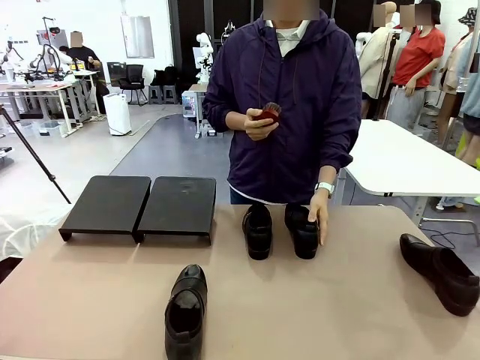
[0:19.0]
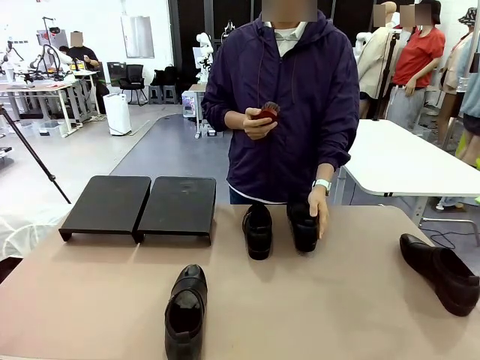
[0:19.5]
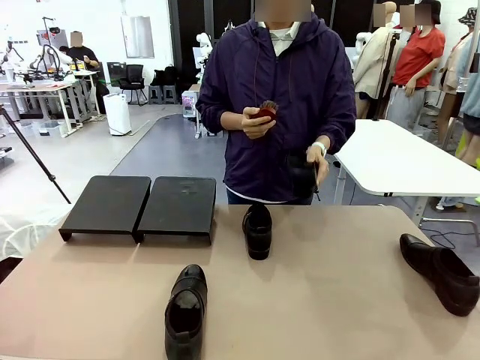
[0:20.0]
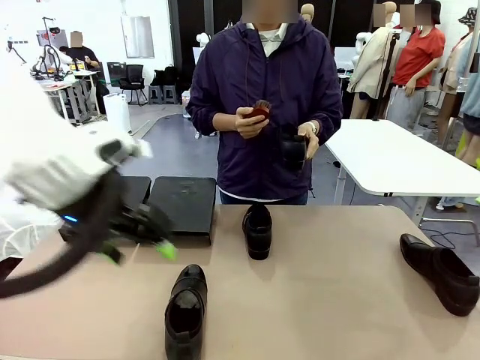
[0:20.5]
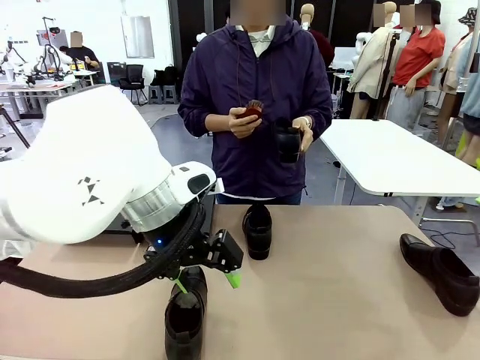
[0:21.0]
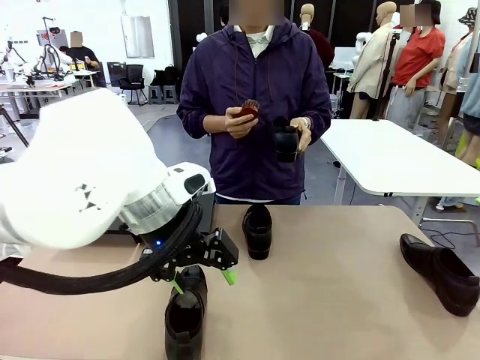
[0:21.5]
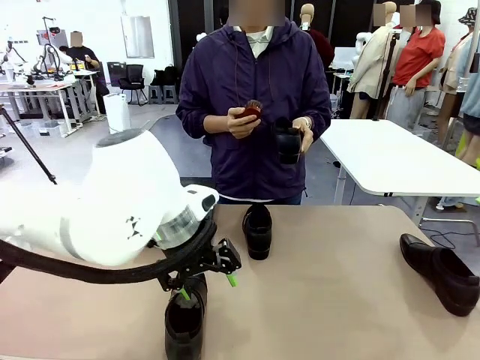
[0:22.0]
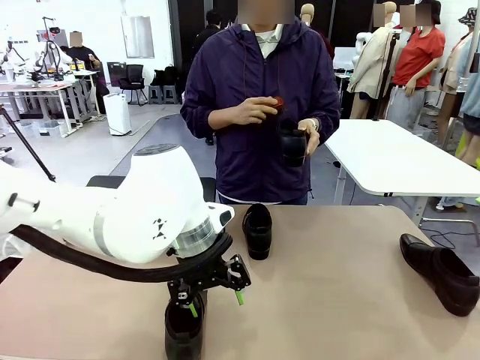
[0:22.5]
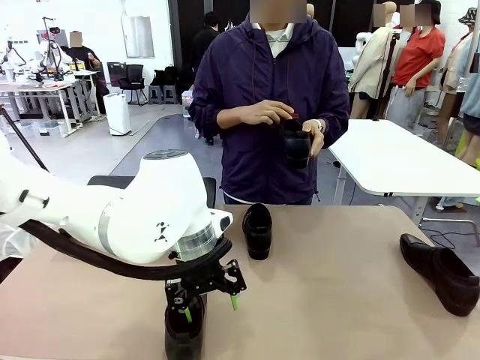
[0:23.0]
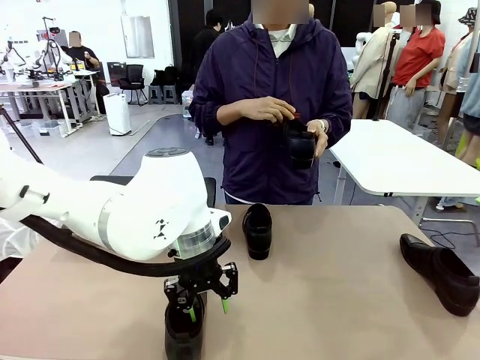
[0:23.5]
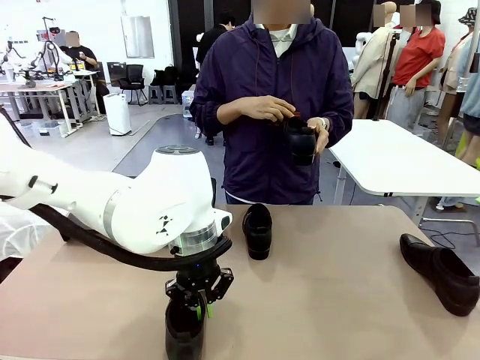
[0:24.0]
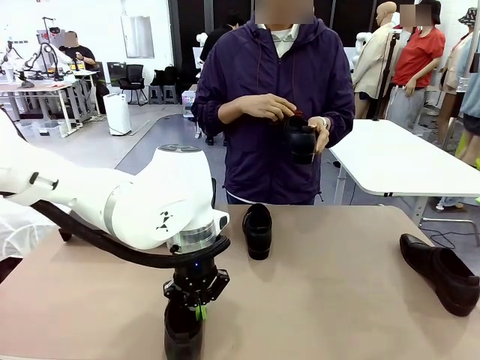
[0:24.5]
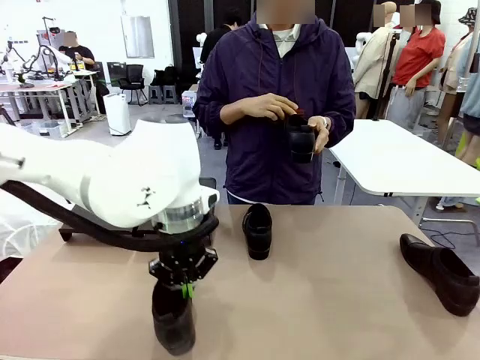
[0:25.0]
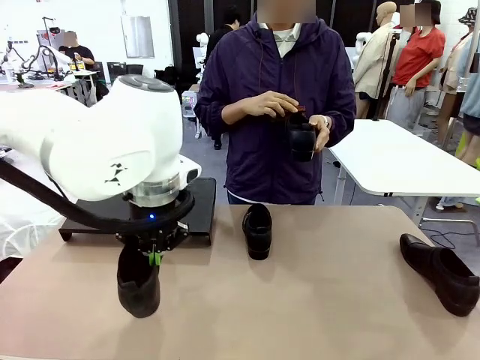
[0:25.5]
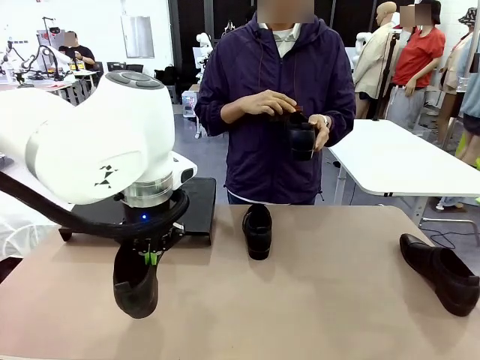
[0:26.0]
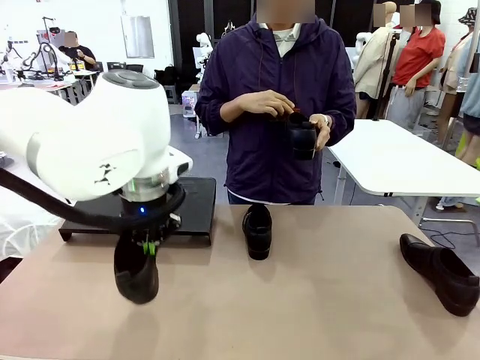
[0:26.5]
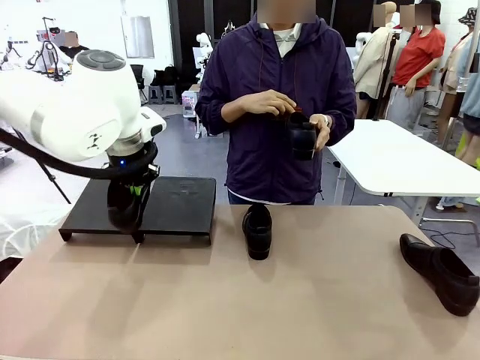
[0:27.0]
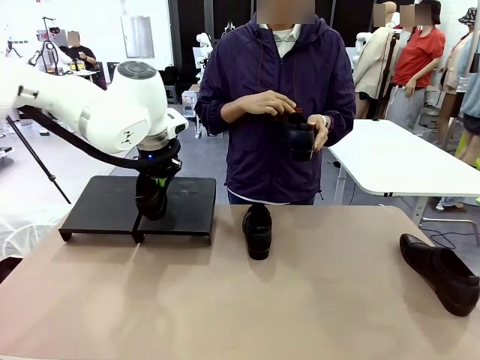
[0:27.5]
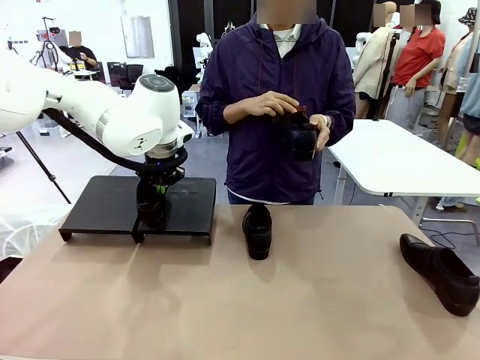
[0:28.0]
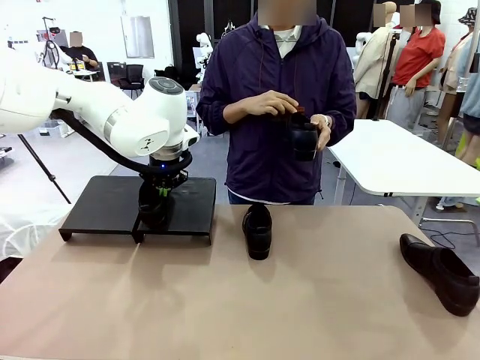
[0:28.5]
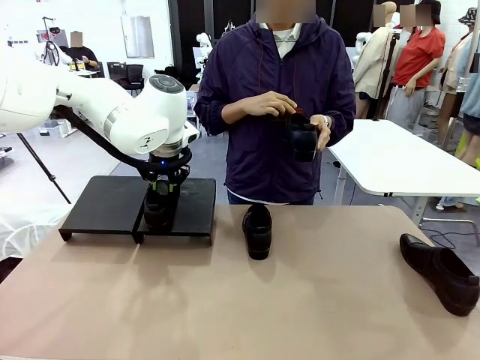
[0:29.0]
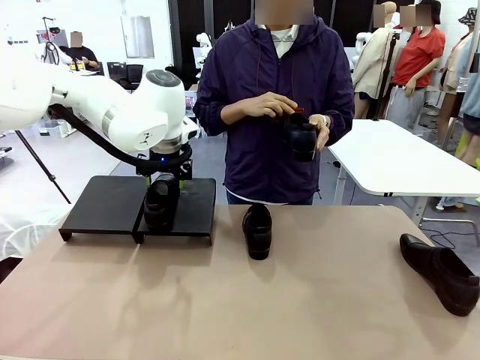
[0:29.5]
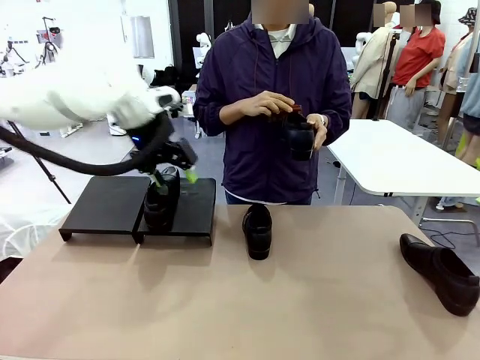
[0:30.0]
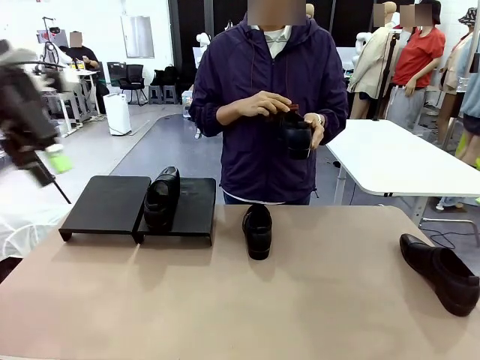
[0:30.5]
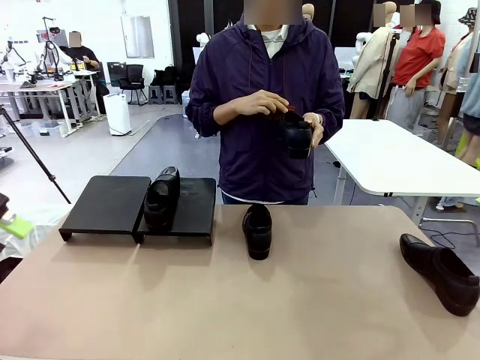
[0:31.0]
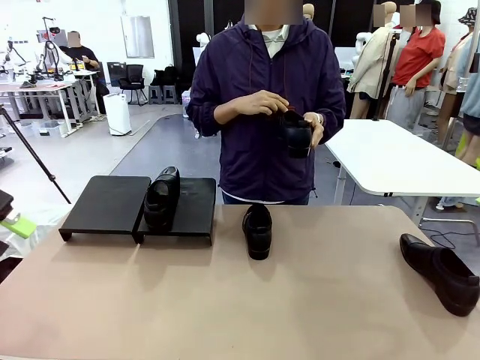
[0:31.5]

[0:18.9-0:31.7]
Task: Organize the shoes by placing them on the stand.
Robot: Place the Shoe from the middle of the table onto the Shoes Stand.
Person: Clean the Shoe with the Shoe Brush.

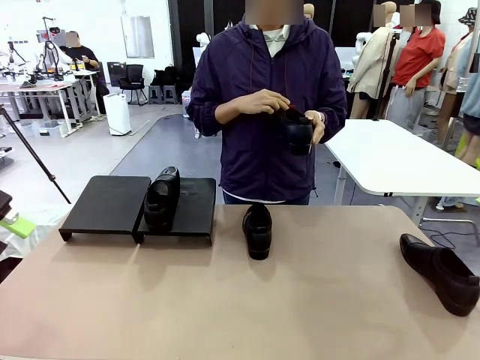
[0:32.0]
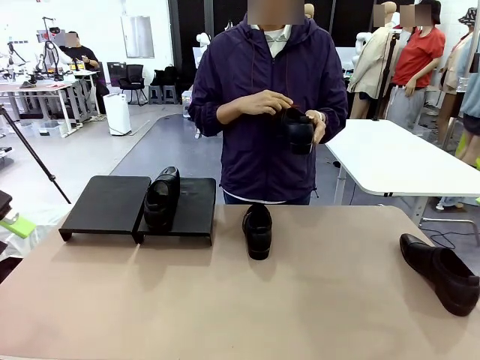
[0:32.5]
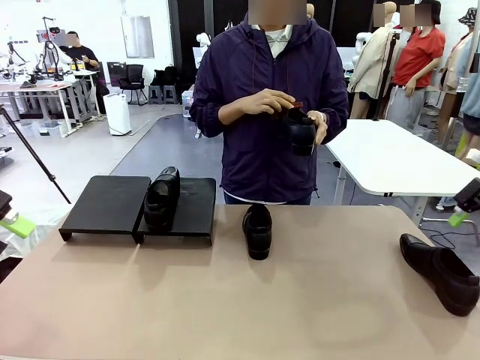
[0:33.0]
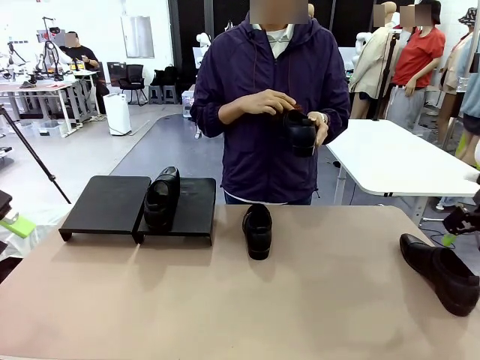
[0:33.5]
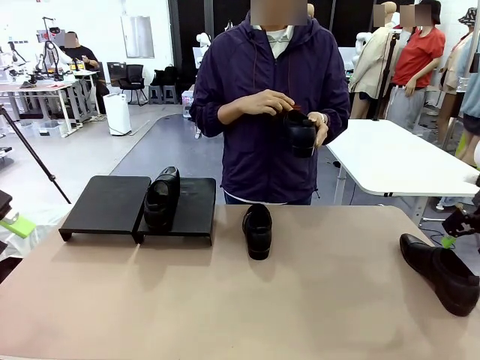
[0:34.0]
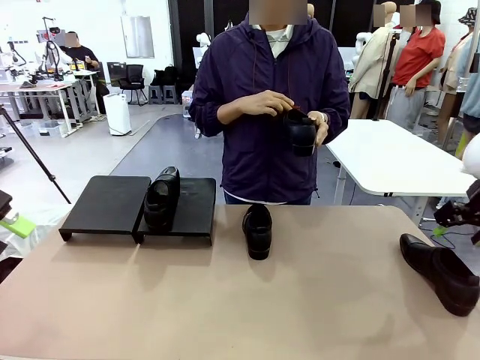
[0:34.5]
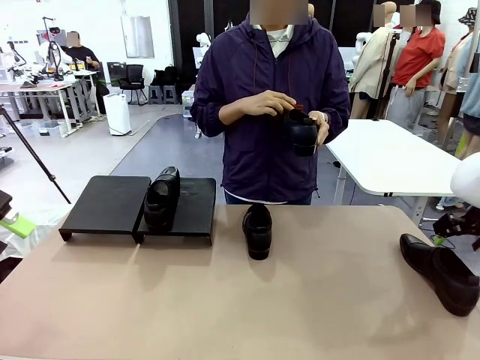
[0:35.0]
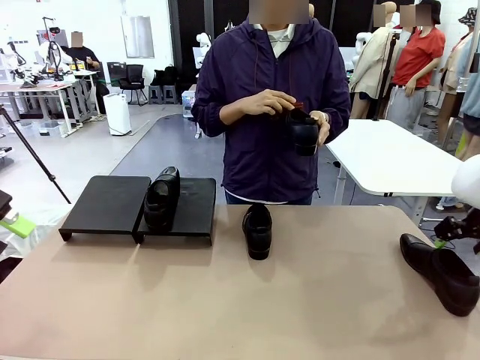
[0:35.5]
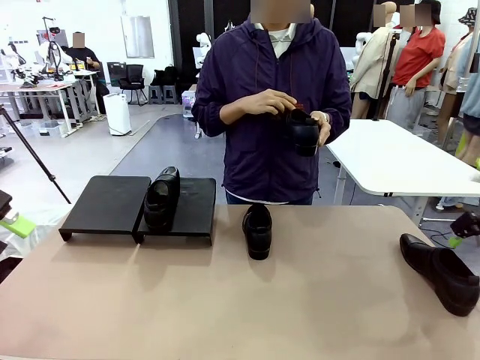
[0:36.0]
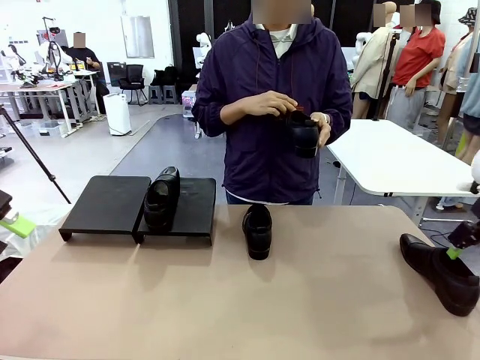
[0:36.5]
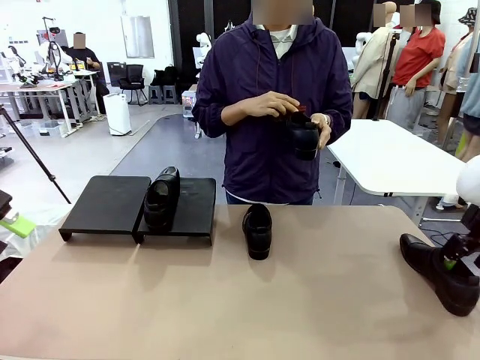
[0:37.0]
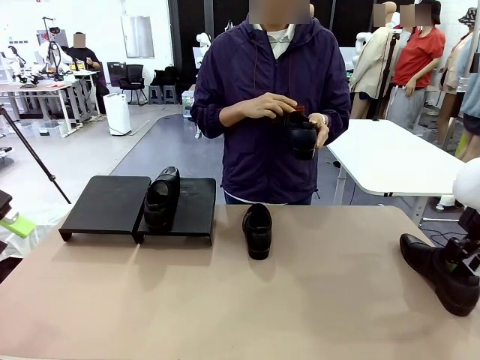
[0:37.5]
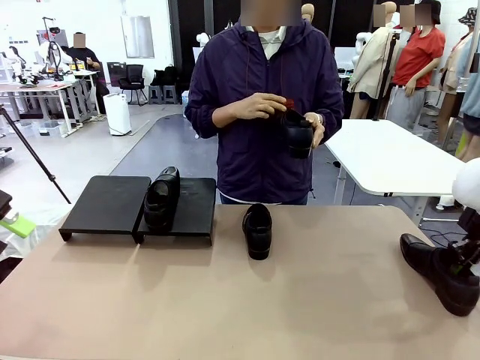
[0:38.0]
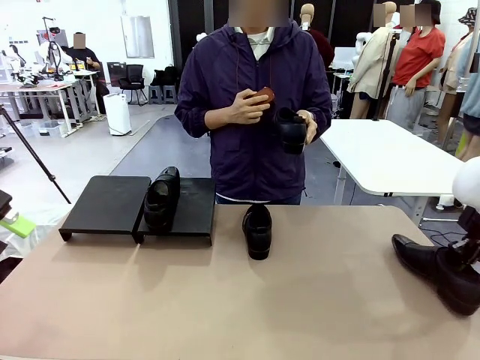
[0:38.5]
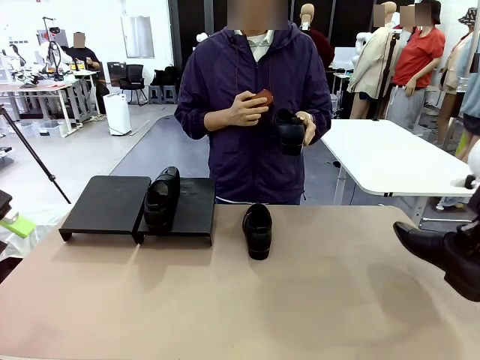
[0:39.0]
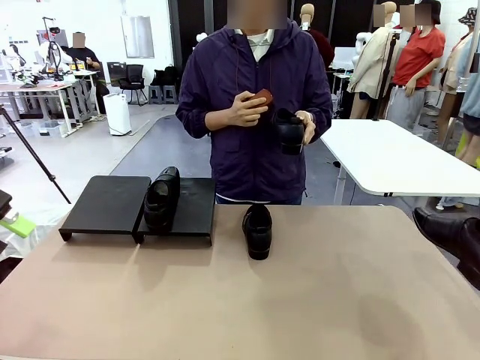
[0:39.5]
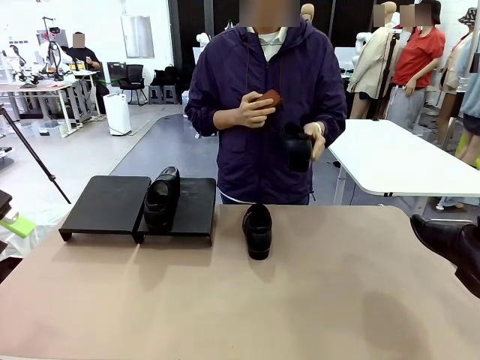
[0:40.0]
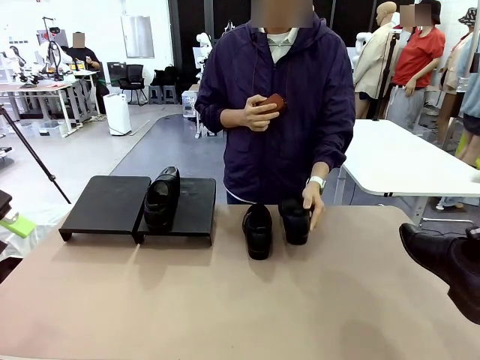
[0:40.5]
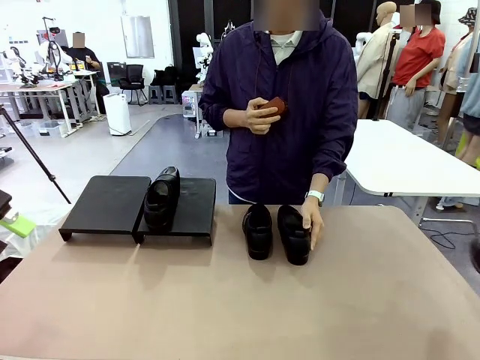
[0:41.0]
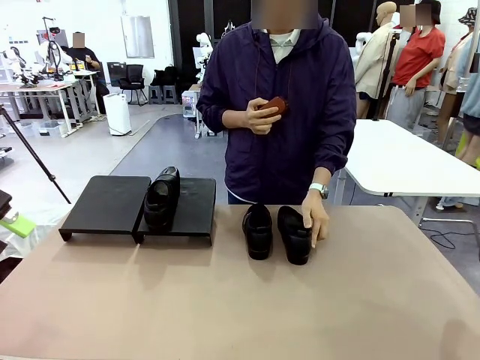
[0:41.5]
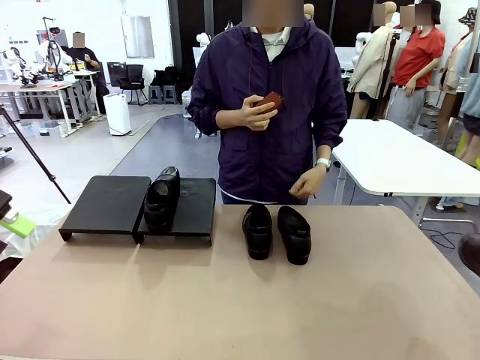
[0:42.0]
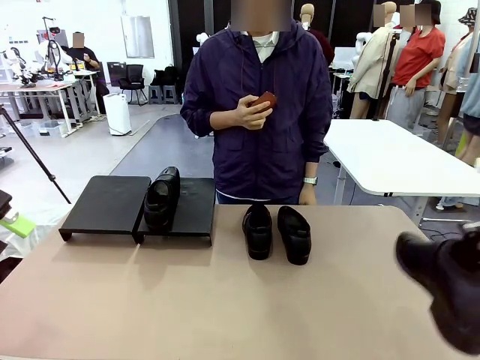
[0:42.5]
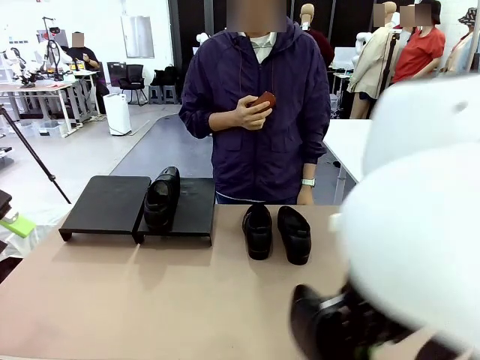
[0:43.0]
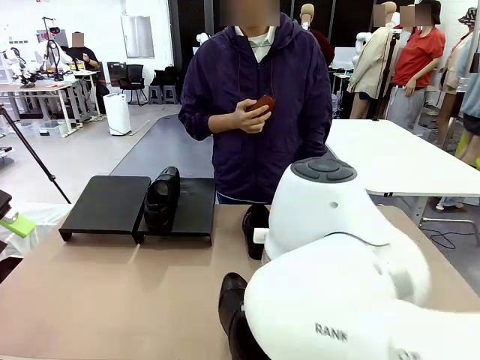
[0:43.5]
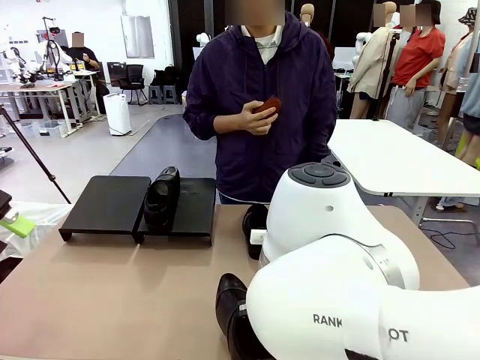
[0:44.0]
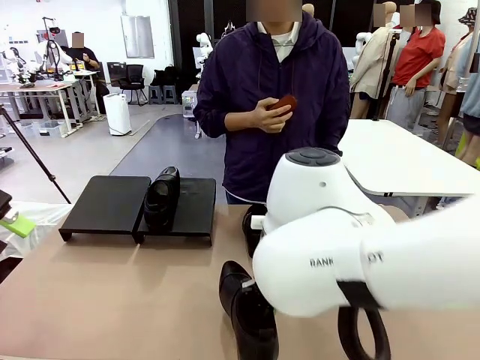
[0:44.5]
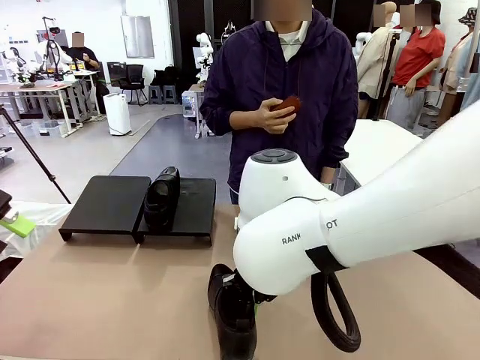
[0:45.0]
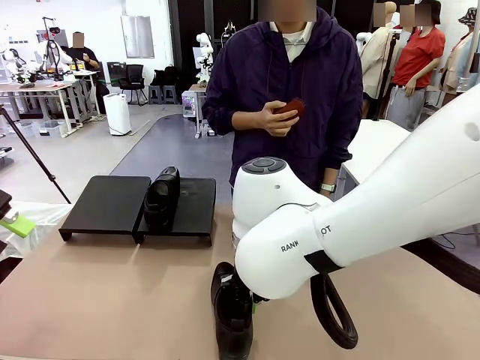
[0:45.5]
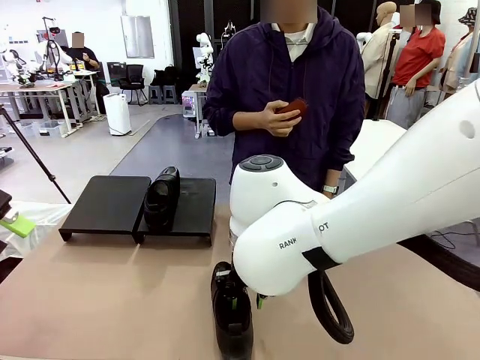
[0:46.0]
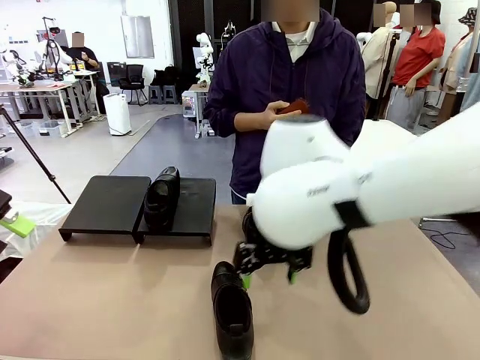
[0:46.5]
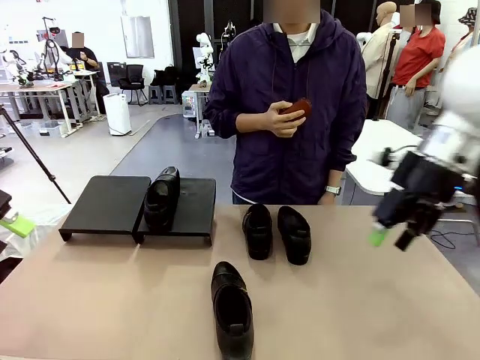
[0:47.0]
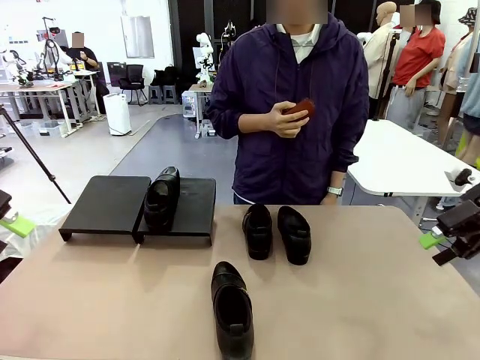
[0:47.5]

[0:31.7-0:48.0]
Robot: Pick up one Shoe and place it in the middle of the table.
